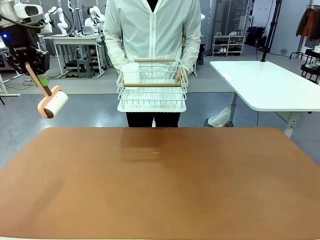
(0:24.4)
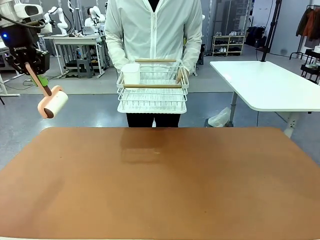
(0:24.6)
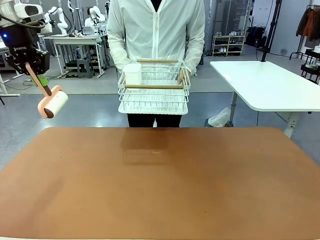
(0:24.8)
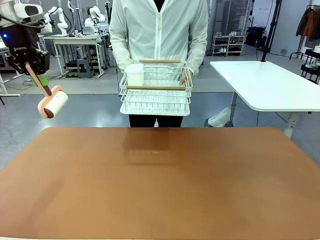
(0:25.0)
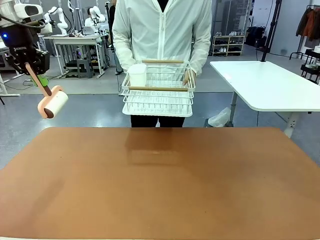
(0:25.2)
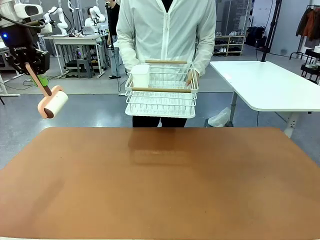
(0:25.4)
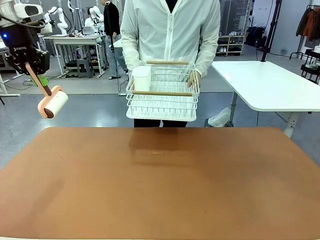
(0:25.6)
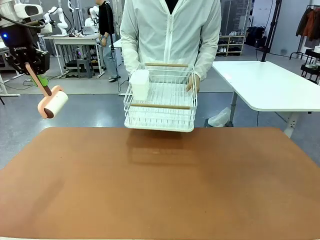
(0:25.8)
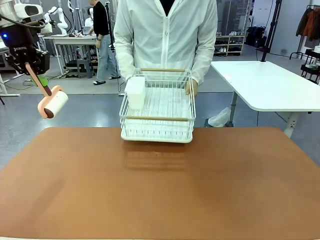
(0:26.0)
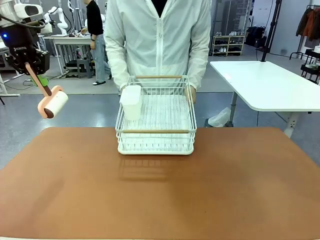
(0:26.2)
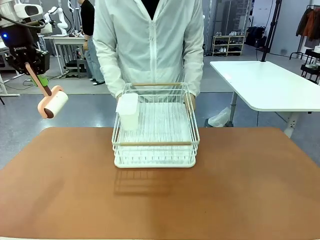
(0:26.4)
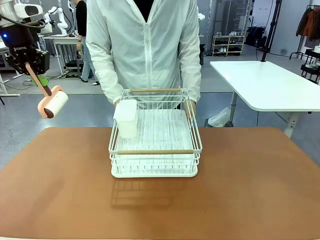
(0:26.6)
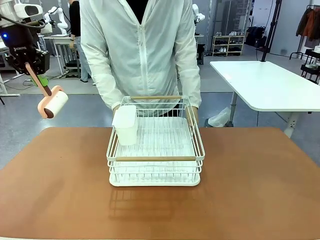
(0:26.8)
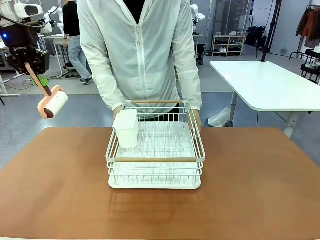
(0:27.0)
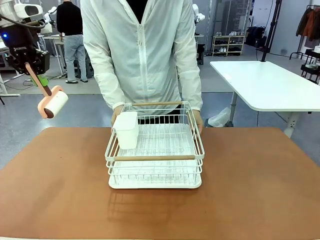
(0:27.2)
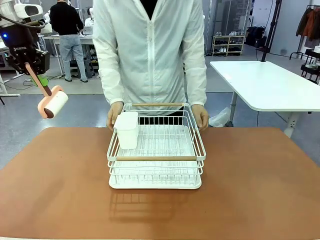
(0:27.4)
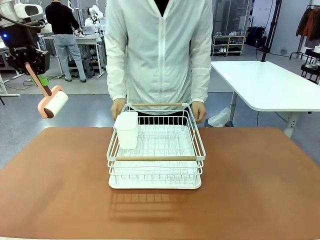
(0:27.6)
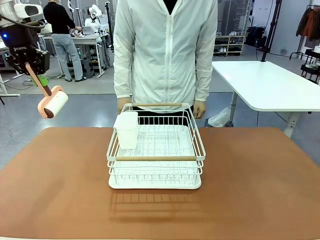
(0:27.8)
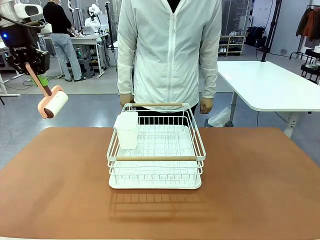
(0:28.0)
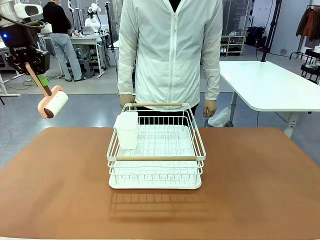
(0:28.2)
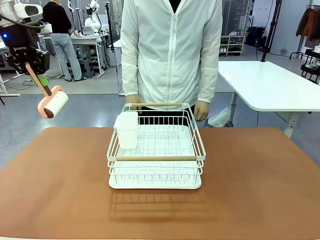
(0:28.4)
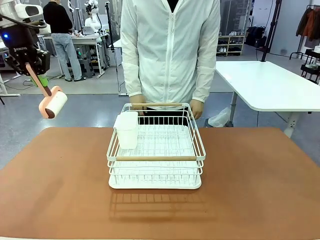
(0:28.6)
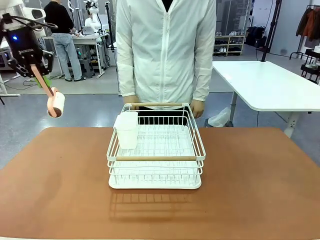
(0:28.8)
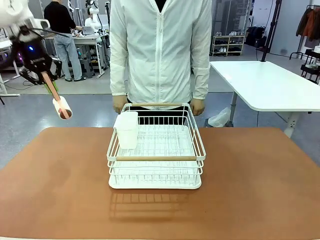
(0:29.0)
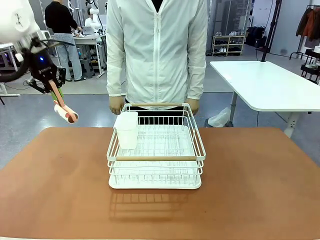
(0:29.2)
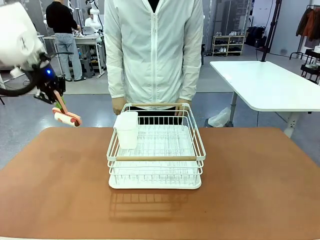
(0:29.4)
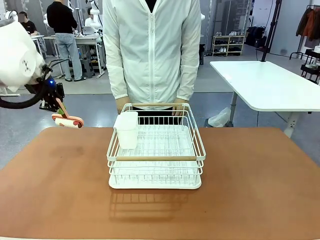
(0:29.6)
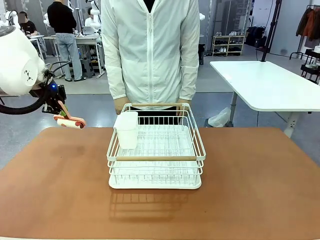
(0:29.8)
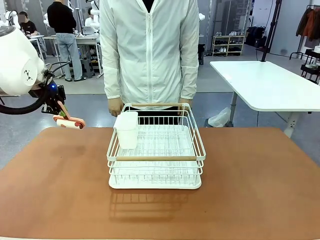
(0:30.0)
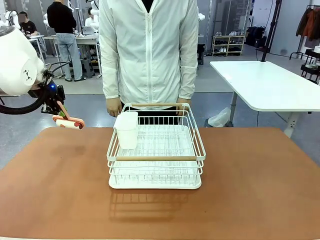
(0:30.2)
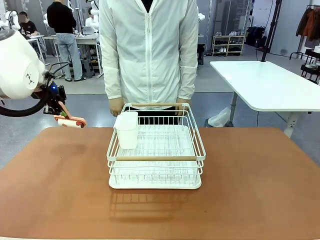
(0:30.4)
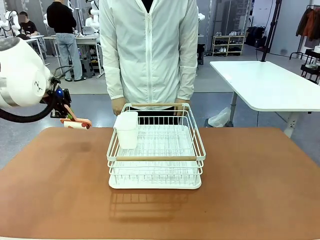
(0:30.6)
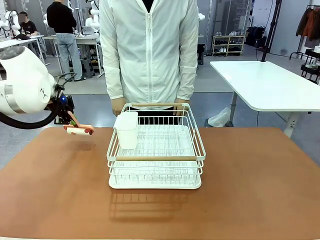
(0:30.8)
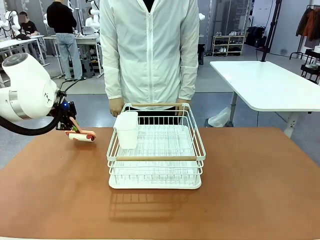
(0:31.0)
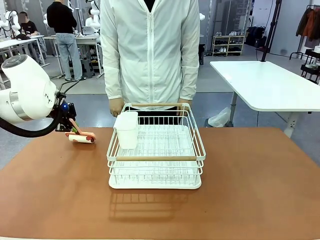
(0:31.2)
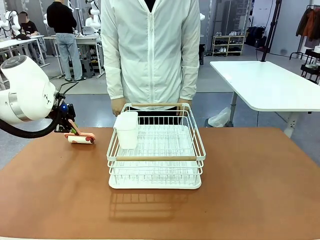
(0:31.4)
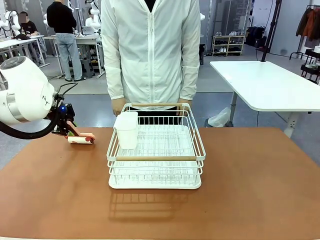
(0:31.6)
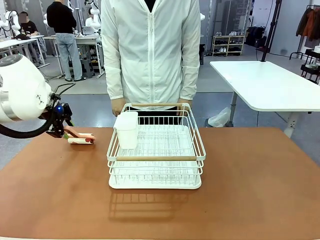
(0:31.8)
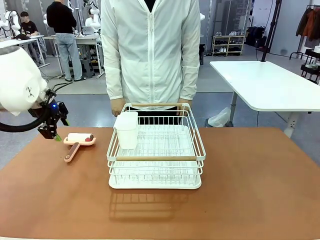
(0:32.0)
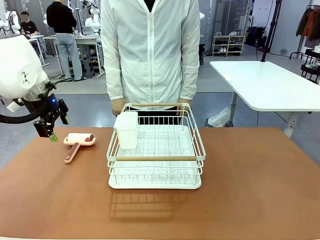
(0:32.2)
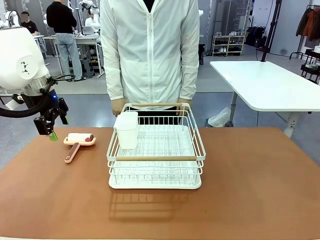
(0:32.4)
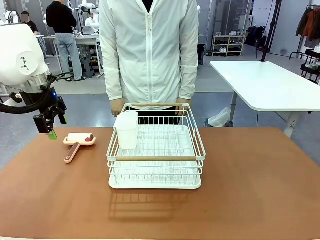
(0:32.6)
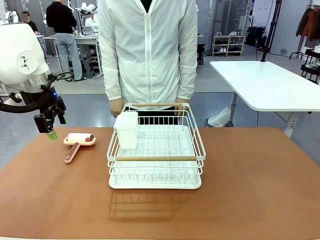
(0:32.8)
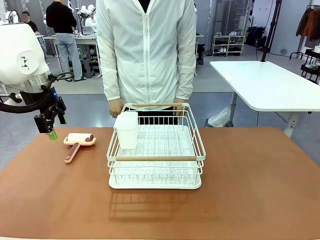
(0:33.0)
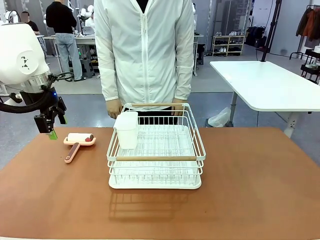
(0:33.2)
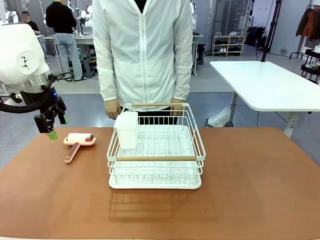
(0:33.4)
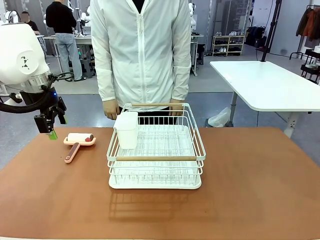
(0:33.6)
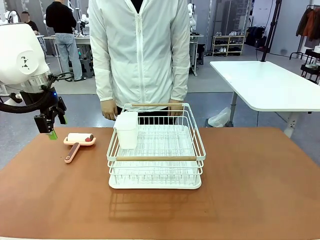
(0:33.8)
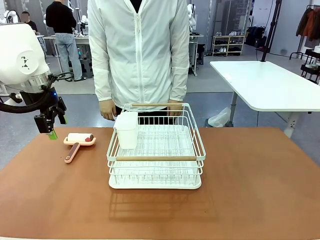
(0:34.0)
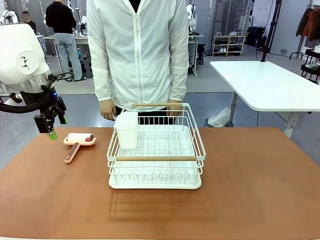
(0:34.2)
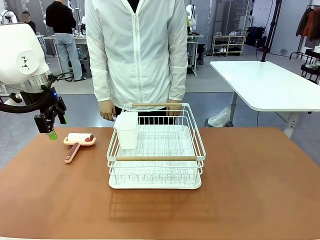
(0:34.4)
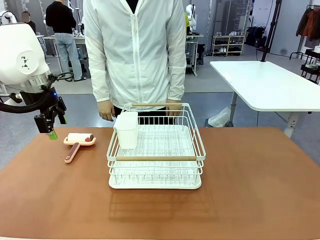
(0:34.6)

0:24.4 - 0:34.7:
Task: Clean the table.
Robot: Place the Lint Roller down when the Dish drying rack is positioned in the middle of the table.
Person: Place the Dish drying rack down when the robot finishes cleaning.

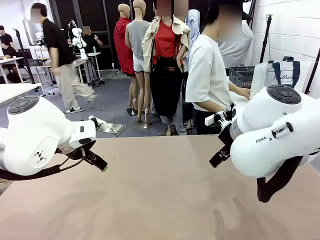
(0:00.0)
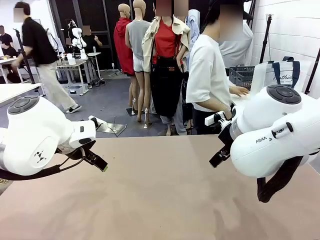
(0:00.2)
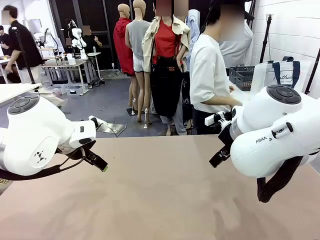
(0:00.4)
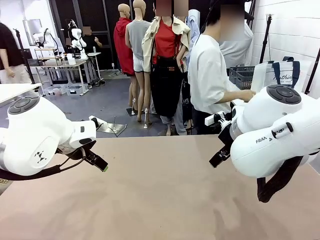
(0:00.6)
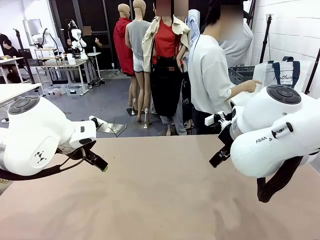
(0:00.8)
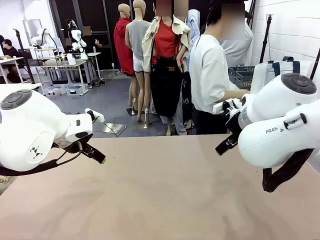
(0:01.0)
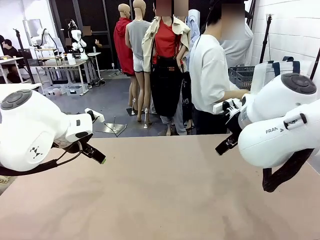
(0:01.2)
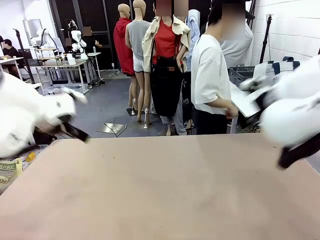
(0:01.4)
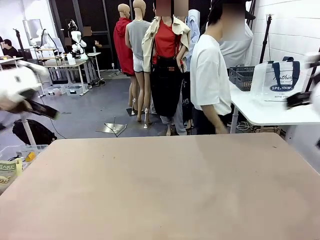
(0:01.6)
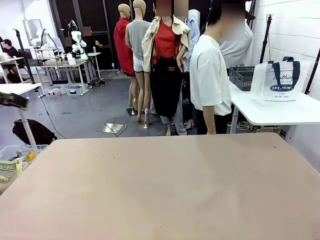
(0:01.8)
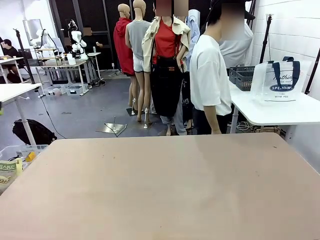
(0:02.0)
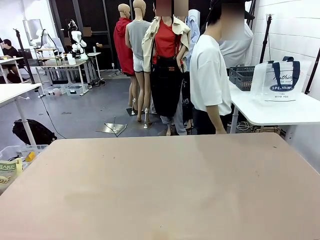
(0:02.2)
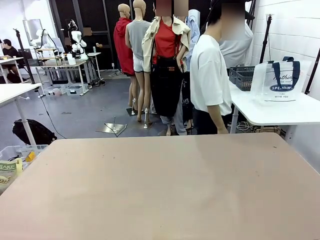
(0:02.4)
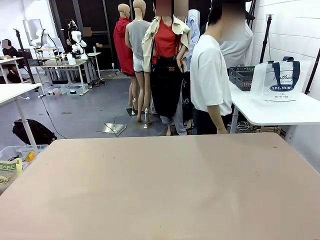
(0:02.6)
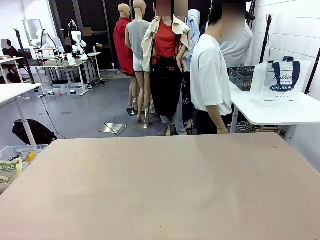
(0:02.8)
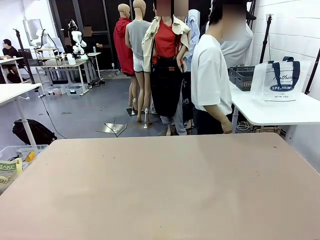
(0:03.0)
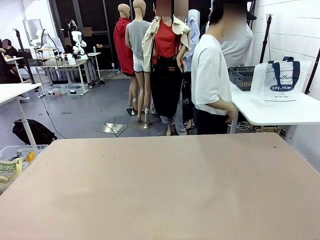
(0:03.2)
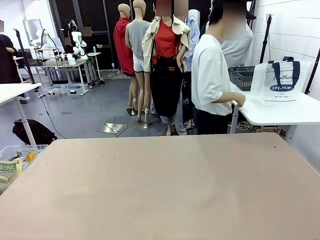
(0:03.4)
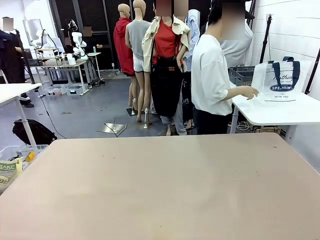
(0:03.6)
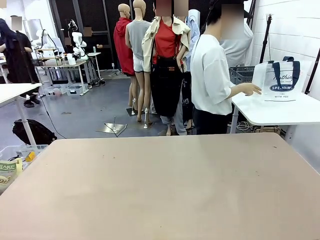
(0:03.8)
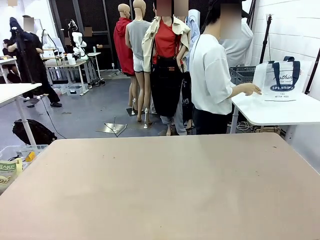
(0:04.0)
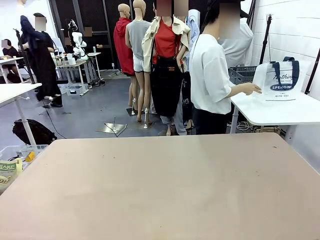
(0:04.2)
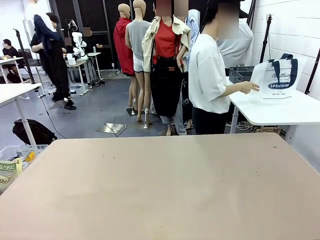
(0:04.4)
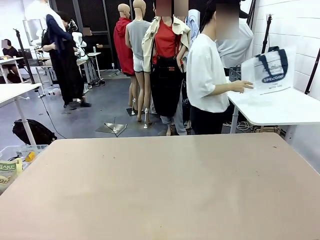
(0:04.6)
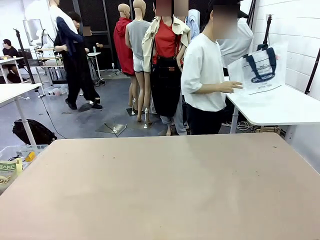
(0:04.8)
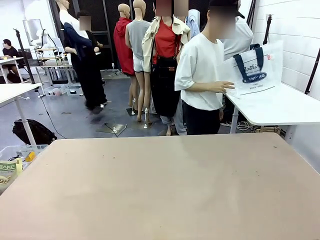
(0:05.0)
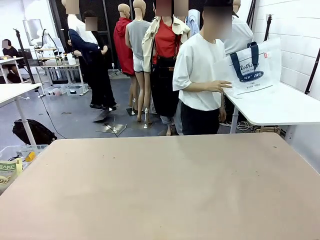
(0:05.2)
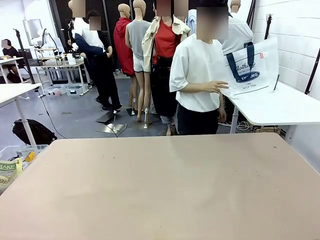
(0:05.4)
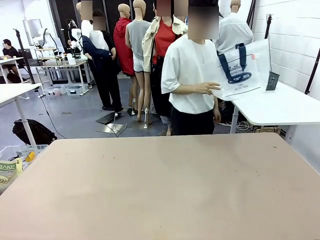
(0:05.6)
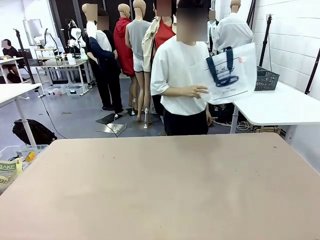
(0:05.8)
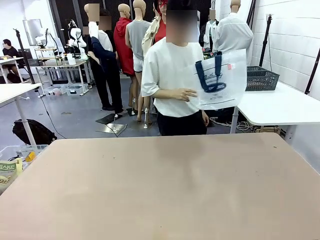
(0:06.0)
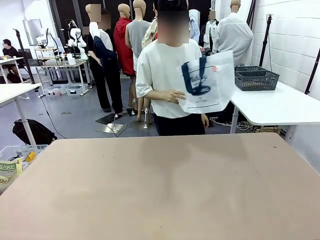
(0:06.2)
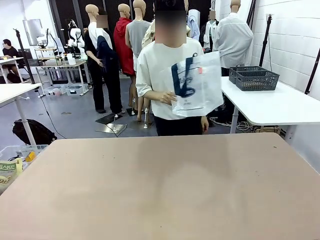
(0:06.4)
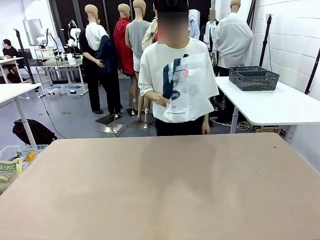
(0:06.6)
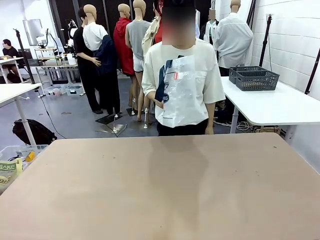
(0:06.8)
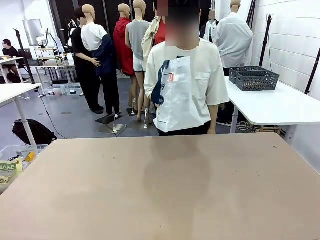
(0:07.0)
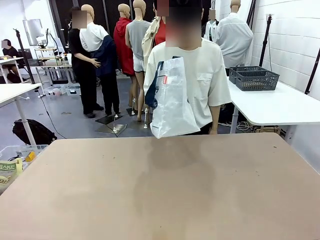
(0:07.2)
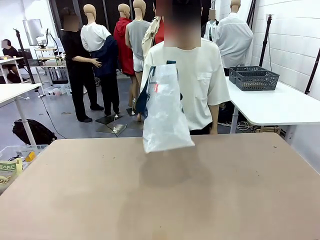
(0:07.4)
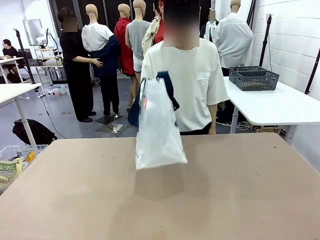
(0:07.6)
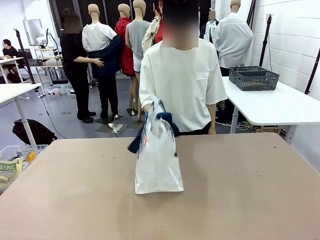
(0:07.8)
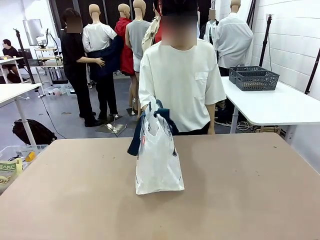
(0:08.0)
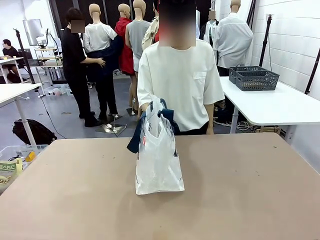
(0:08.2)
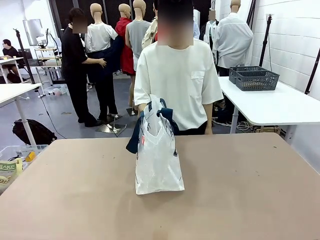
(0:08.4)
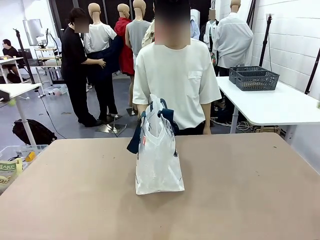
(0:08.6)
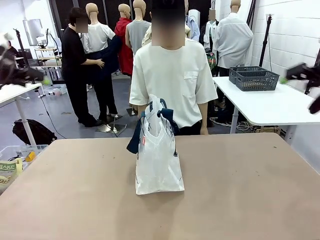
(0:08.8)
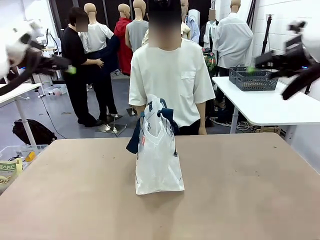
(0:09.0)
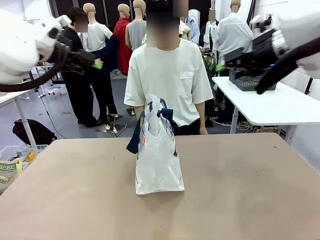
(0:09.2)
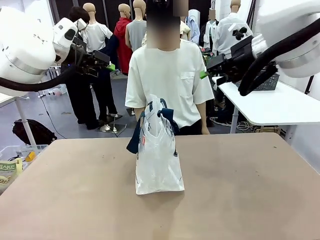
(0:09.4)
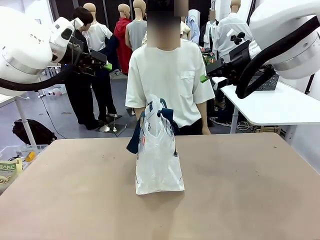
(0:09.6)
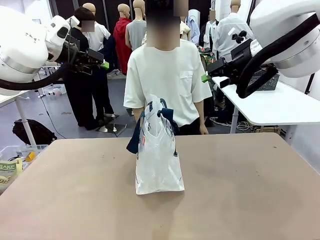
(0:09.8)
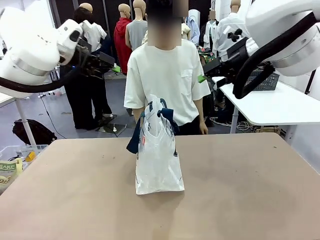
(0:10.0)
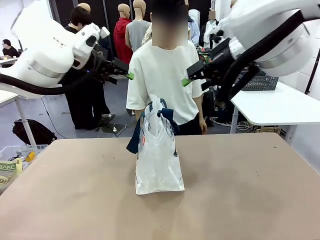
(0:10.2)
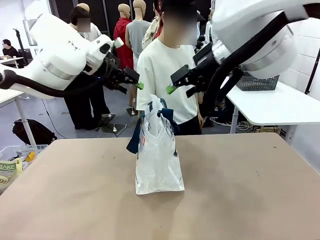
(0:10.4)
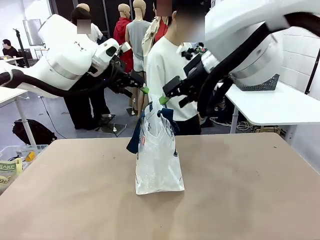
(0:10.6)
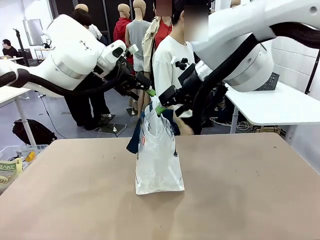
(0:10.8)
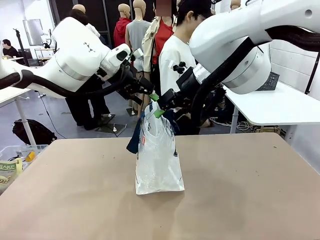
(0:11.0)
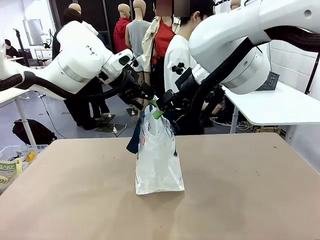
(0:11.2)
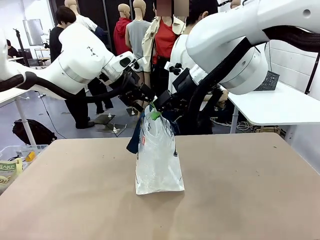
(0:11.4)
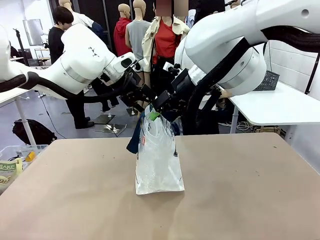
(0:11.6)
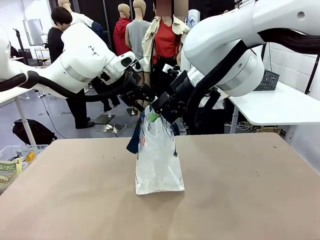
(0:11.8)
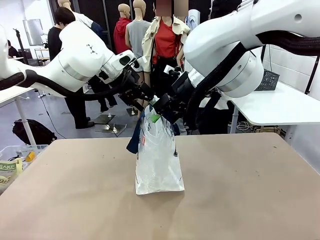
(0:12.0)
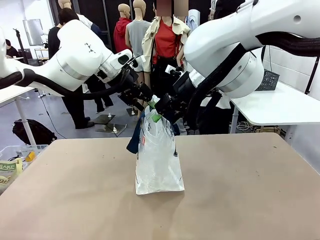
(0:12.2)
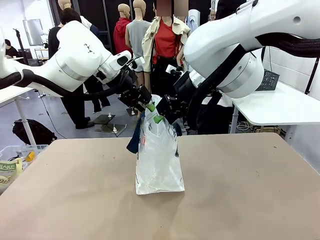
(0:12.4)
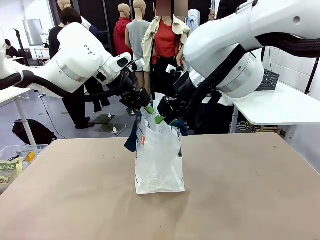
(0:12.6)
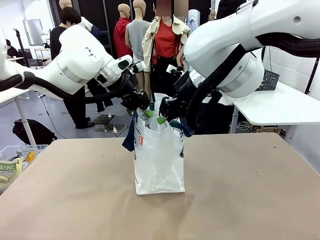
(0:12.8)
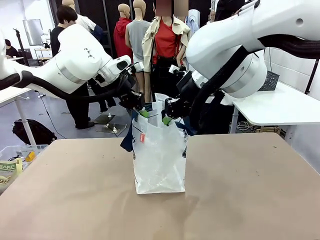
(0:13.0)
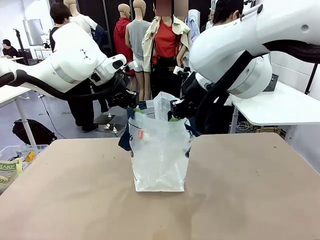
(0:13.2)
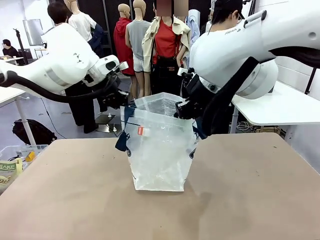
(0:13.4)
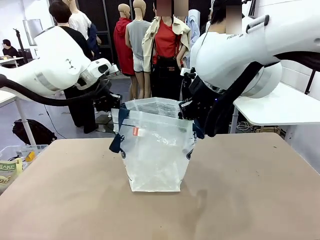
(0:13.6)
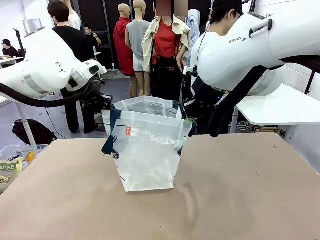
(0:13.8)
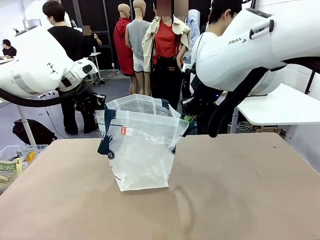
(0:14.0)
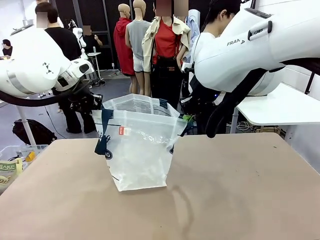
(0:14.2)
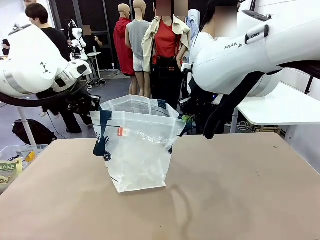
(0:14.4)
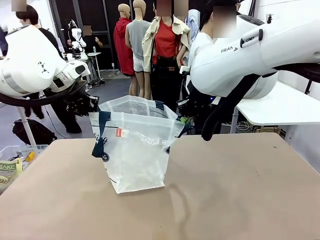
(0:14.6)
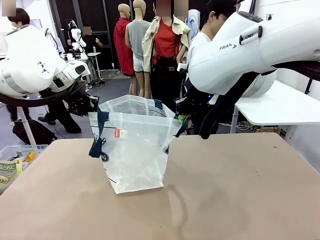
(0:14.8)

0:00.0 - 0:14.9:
Task: Transfer purchased items from the store into the shopping bag.
Robot: Open the Reusable shopping bag in the center of the table.
Person: Pick up the shopping bag and place it in the middle of the robot table. Pick up the basket on the right, place it on the left side of the robot table, and move the items in the basket to the shopping bag.
